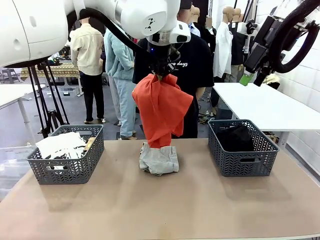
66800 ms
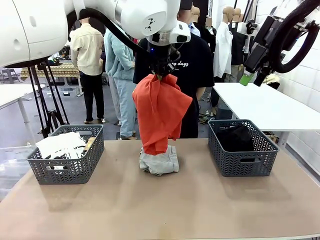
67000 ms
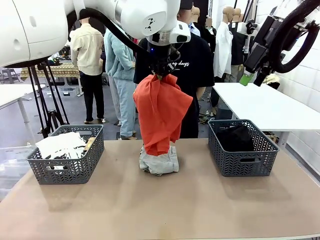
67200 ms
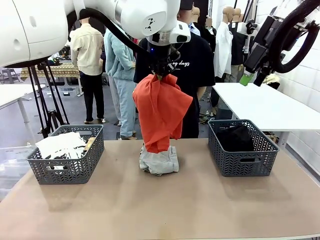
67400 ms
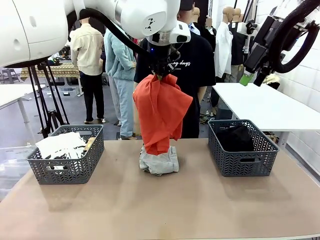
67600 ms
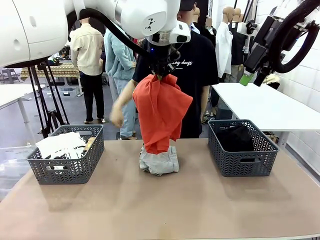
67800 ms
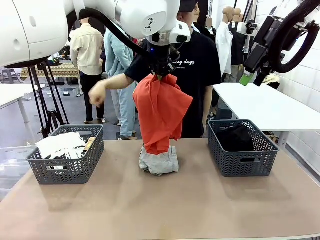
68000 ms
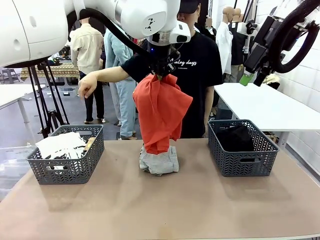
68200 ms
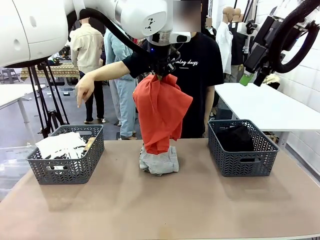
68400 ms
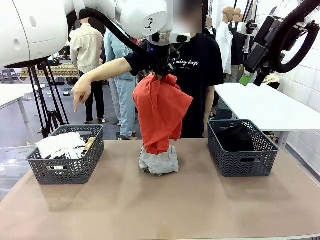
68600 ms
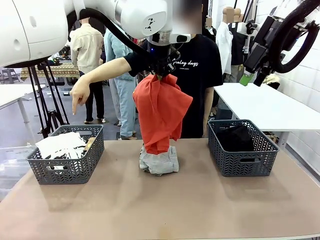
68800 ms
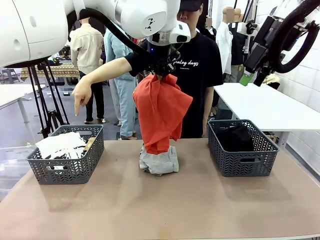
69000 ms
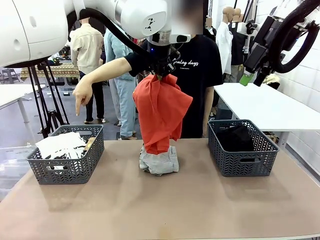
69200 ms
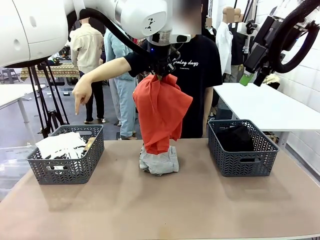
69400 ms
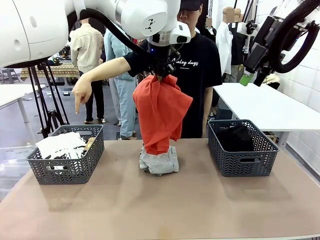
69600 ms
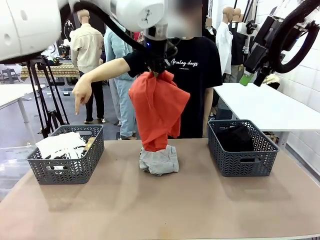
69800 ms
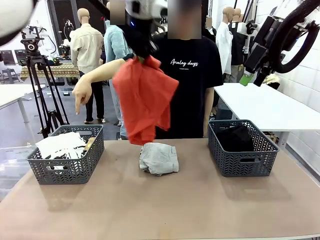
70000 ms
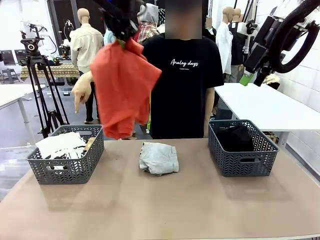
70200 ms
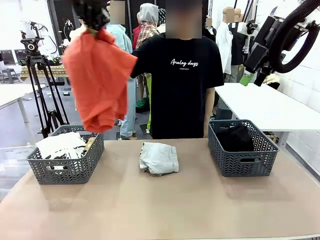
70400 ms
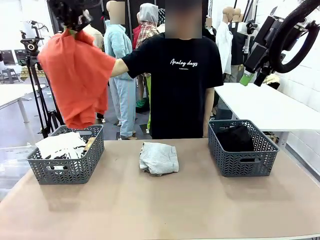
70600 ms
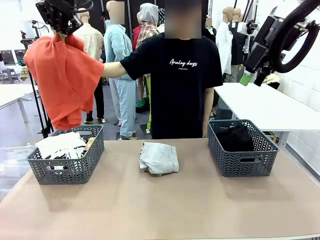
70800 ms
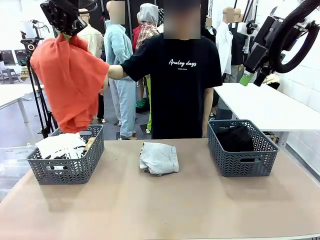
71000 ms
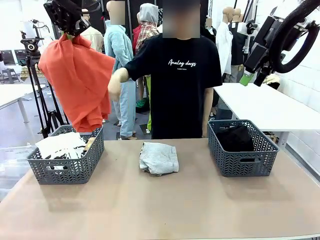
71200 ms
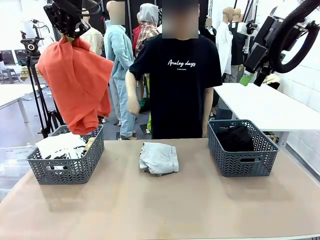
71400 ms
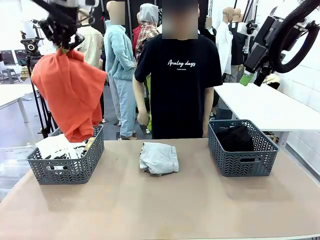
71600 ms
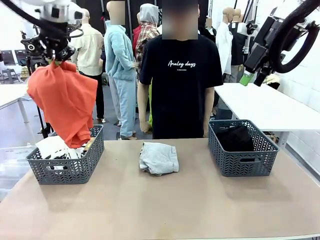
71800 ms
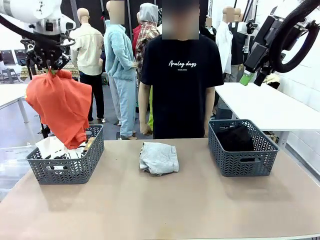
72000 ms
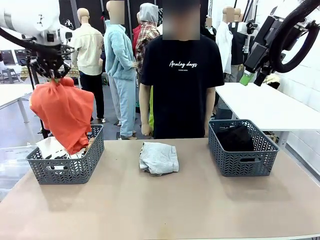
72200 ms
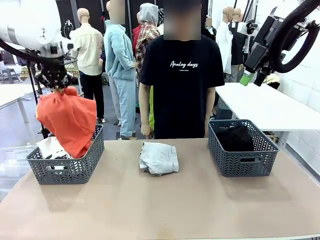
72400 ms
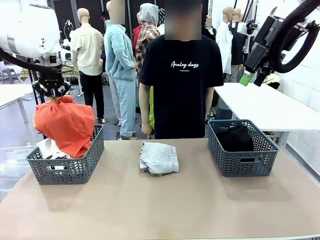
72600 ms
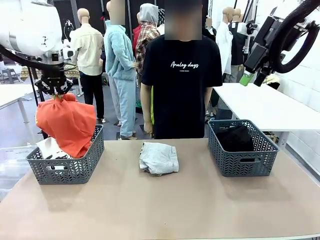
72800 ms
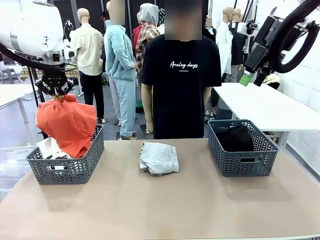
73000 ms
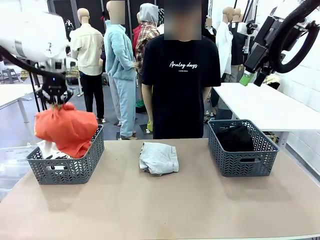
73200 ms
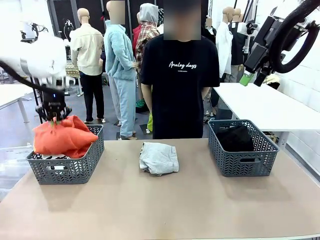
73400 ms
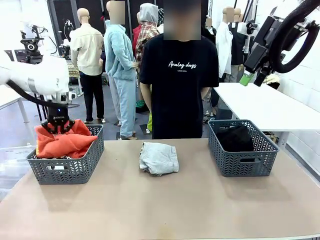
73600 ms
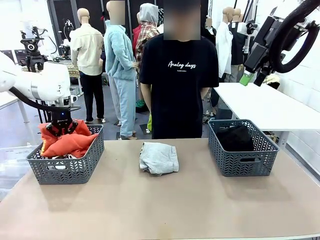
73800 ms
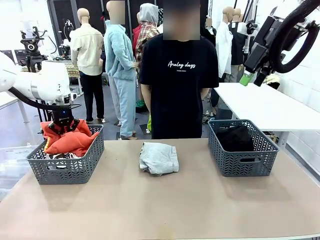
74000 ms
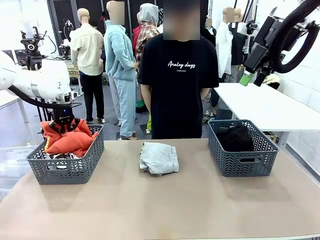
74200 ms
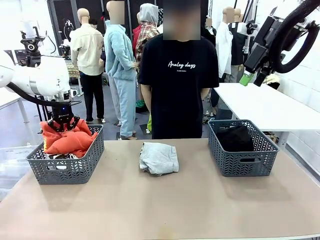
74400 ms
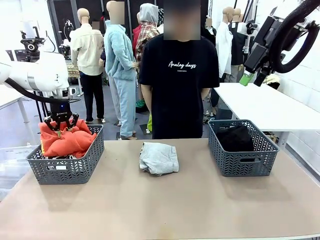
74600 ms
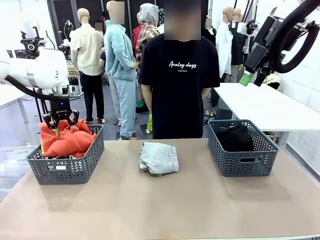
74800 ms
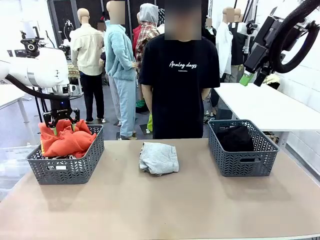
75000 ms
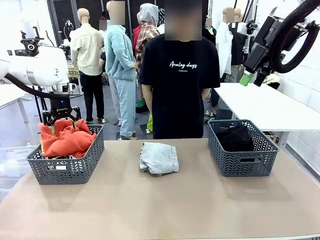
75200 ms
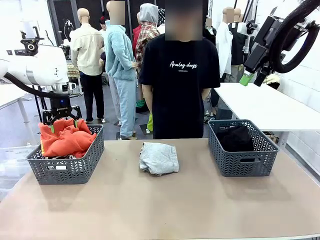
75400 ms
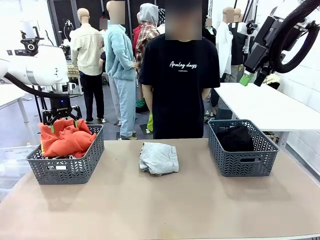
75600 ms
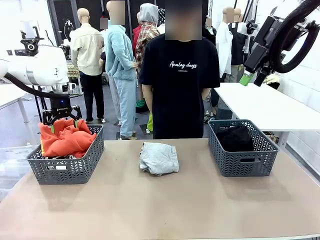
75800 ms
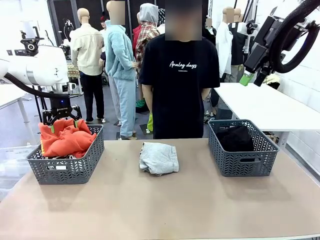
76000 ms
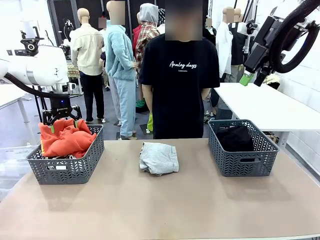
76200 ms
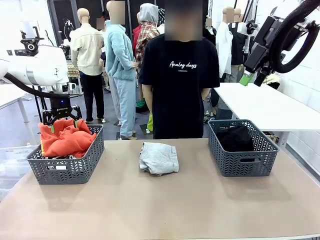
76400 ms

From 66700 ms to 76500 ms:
Task: Sort the tops and bottoms.
Robot: Sort the clothes according to human instructions.

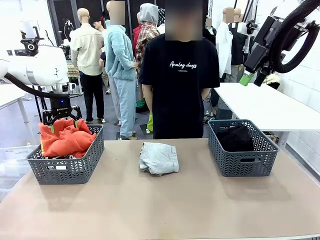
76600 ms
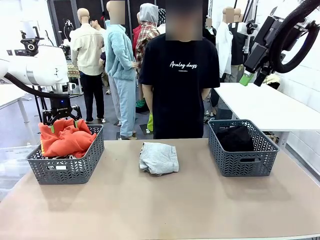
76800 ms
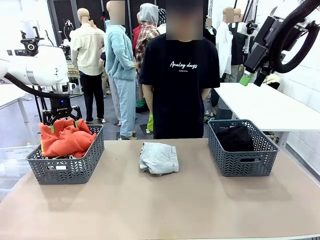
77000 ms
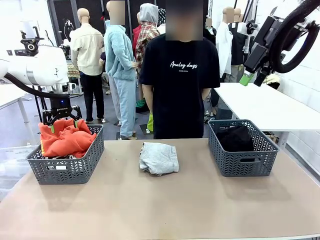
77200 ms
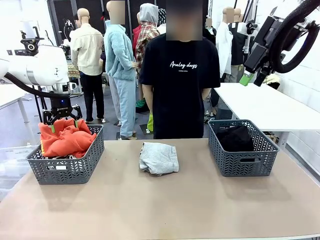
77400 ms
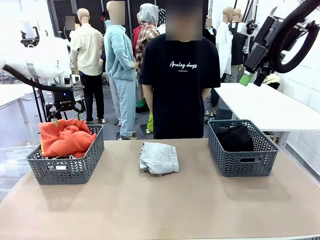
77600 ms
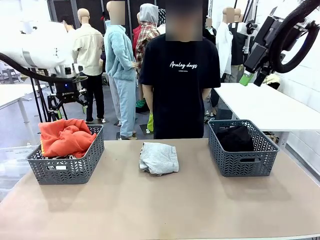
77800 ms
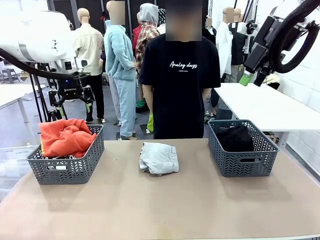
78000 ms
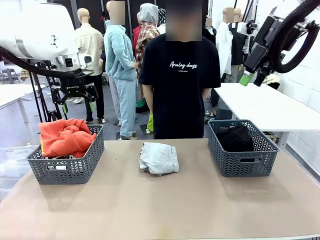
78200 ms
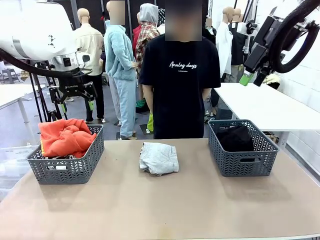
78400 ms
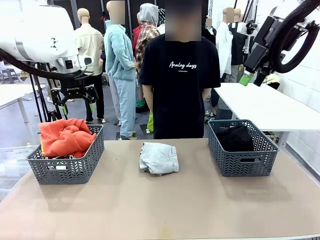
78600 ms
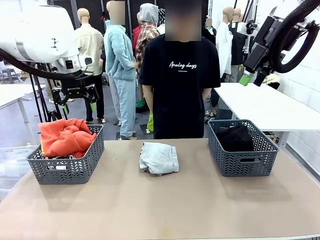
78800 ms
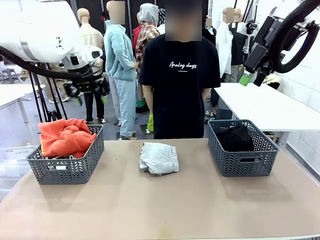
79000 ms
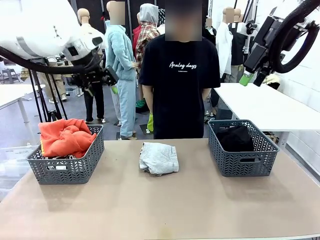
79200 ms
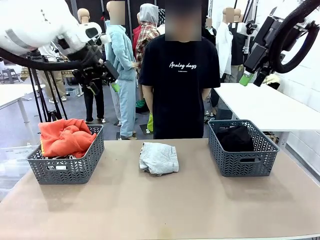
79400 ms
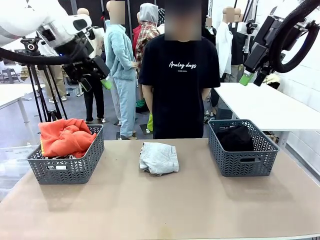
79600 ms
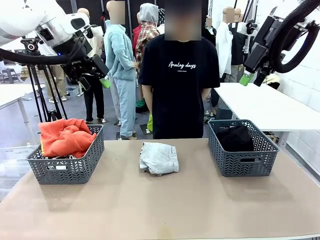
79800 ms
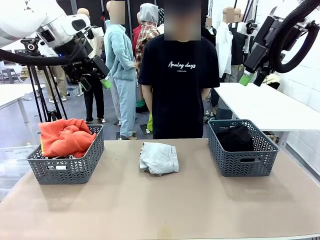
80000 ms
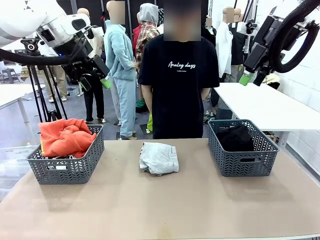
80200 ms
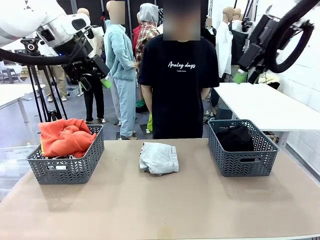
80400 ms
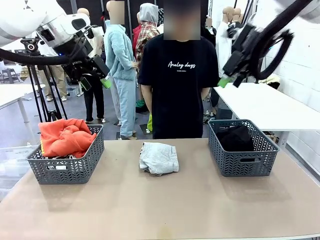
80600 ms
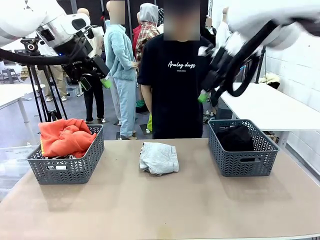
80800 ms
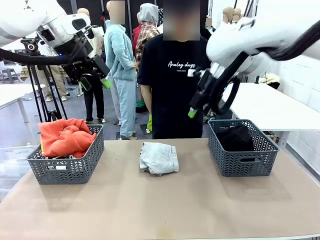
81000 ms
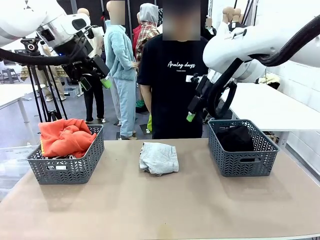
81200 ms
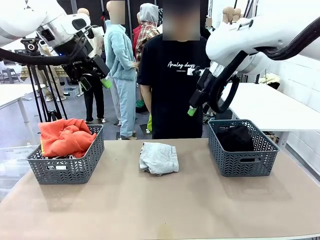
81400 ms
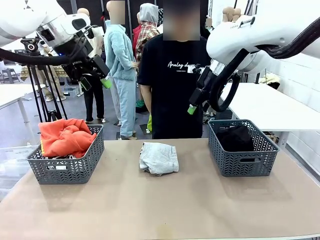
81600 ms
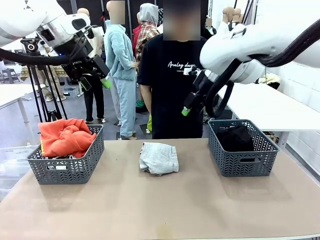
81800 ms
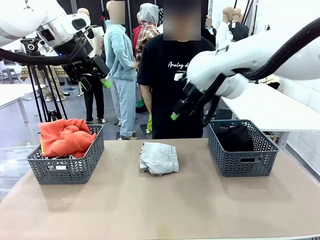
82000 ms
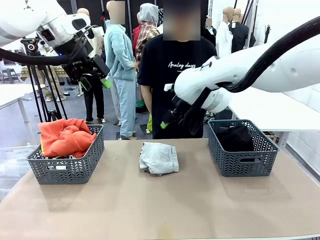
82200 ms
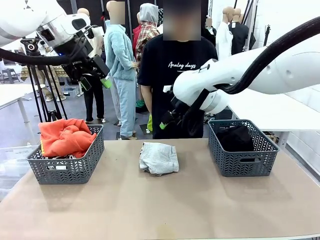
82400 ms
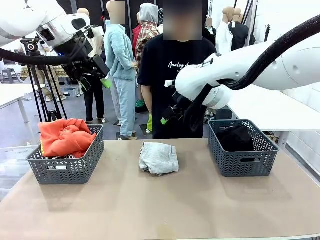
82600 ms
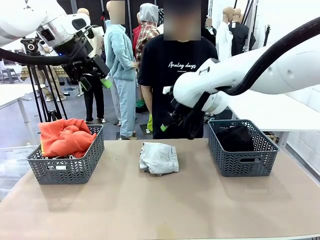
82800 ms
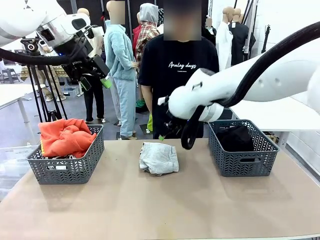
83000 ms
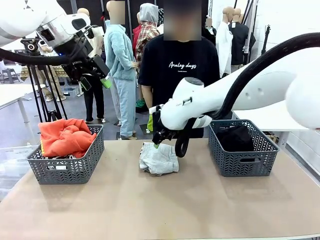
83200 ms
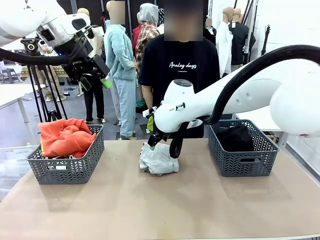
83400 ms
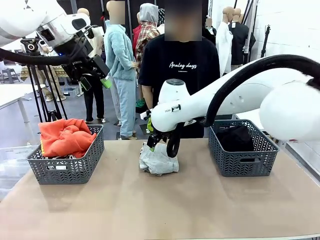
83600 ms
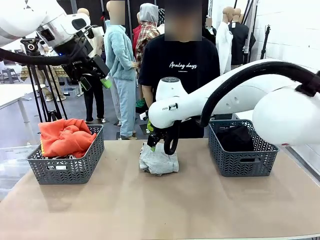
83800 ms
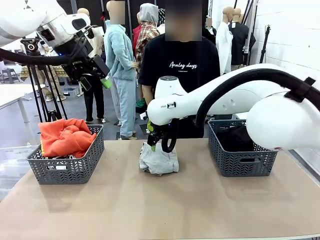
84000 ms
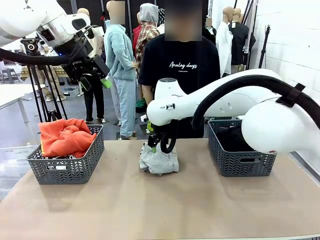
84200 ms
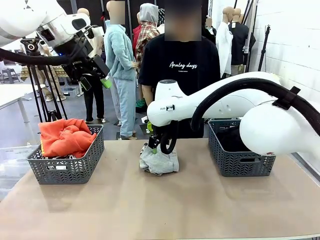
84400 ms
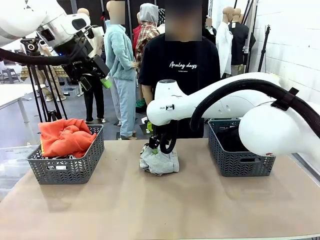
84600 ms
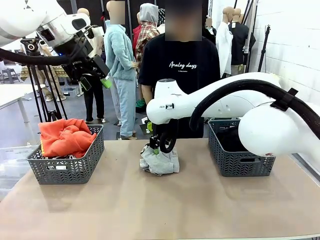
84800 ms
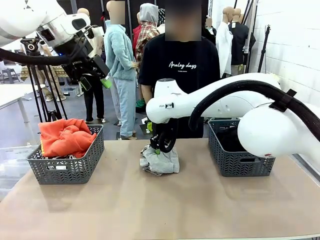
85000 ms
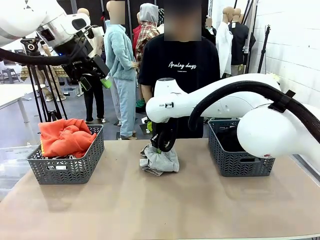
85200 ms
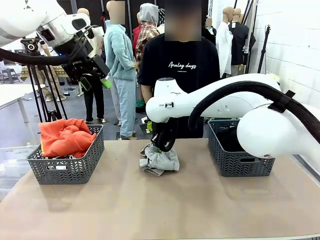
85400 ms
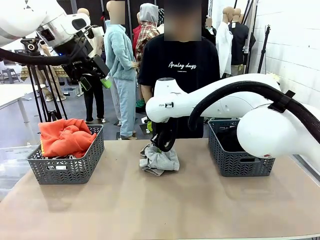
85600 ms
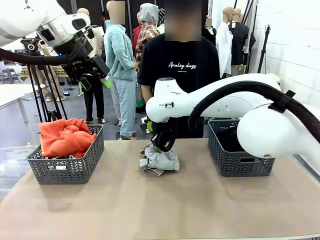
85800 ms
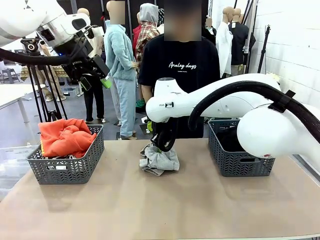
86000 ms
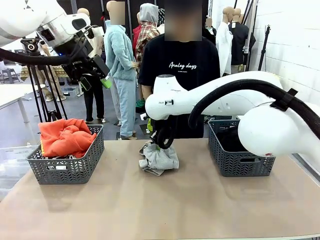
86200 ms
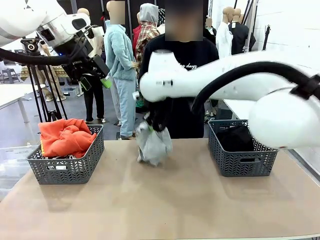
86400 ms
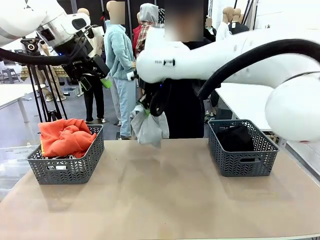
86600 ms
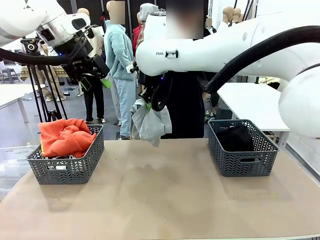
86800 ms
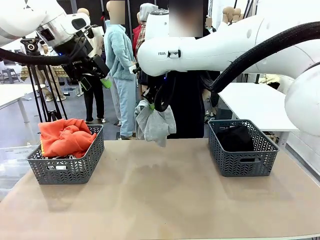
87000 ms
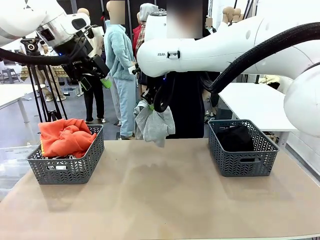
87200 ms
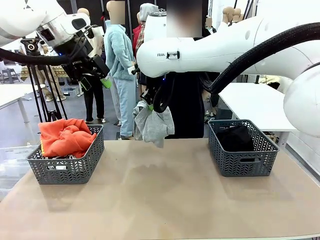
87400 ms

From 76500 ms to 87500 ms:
Robot: Lift clothes from the center of the table with your right hand.
